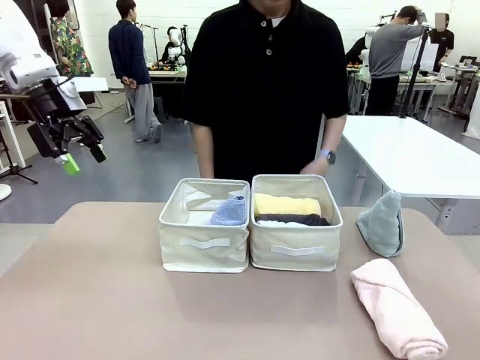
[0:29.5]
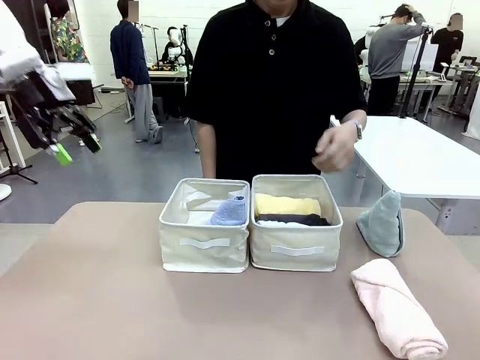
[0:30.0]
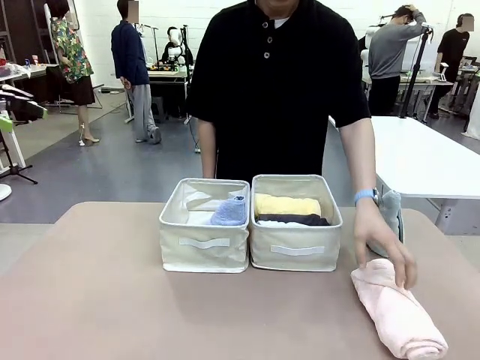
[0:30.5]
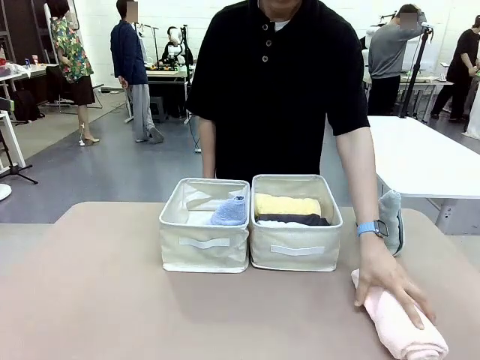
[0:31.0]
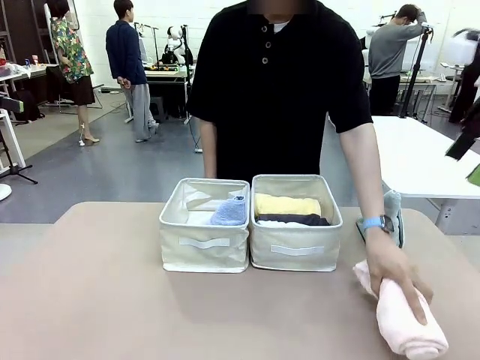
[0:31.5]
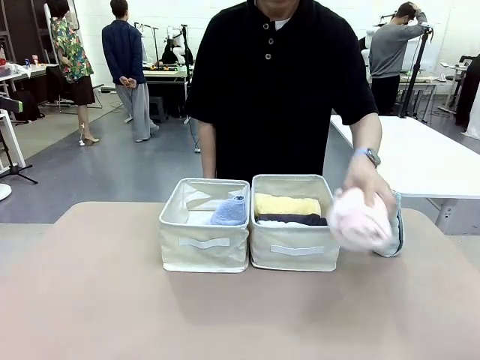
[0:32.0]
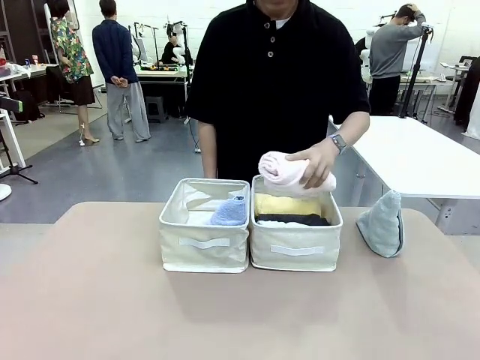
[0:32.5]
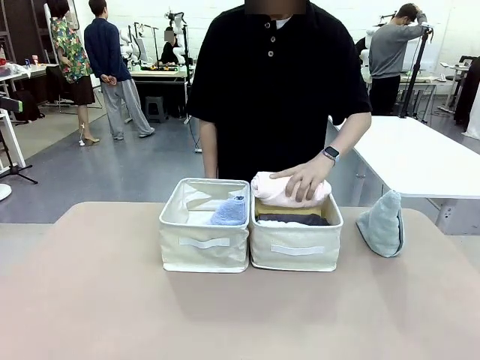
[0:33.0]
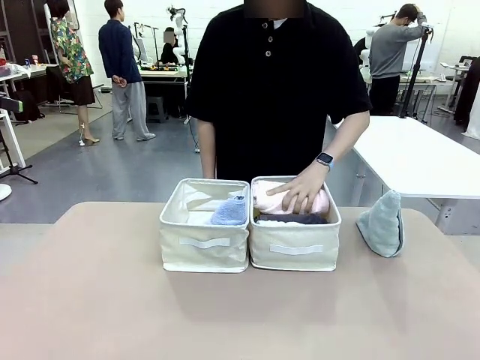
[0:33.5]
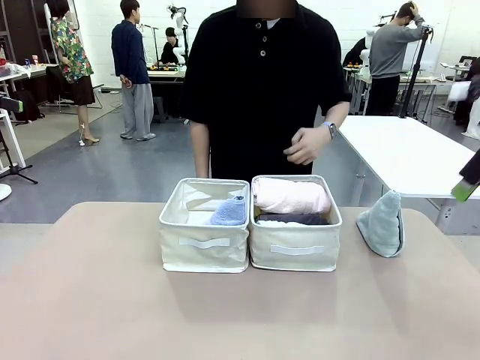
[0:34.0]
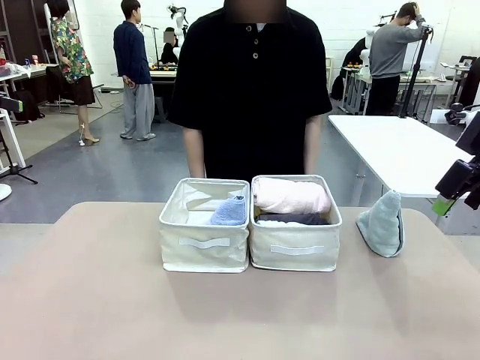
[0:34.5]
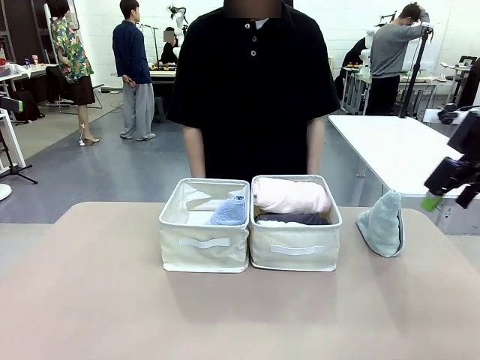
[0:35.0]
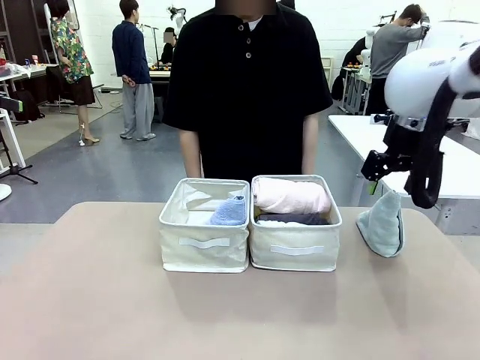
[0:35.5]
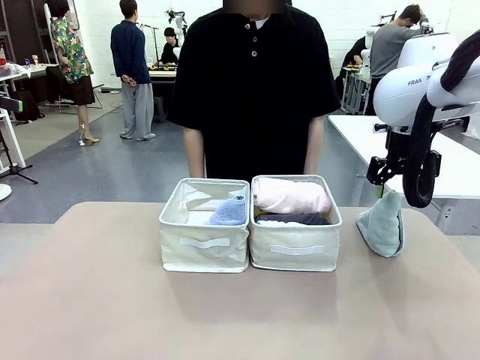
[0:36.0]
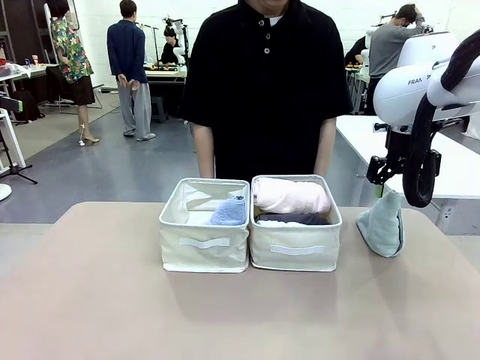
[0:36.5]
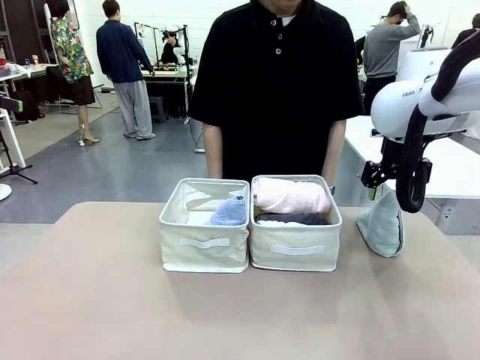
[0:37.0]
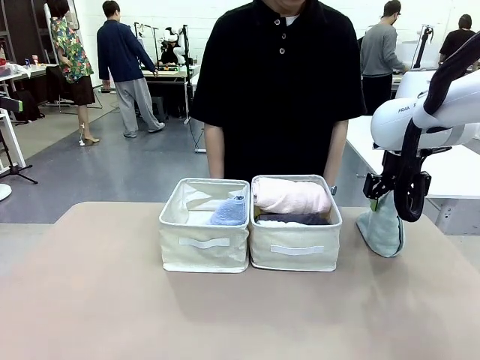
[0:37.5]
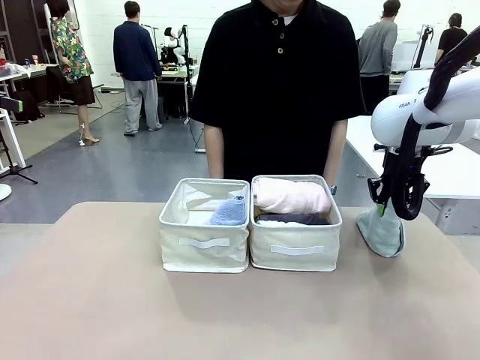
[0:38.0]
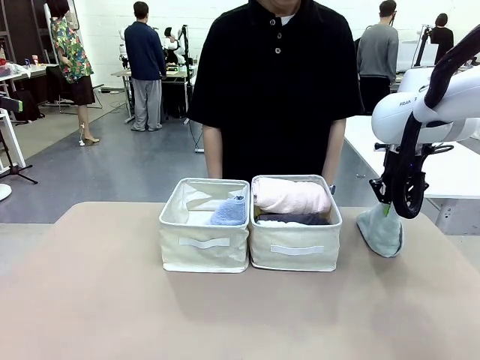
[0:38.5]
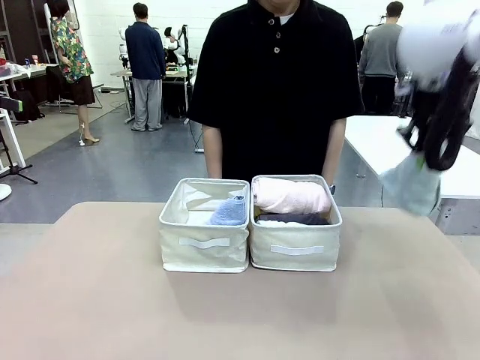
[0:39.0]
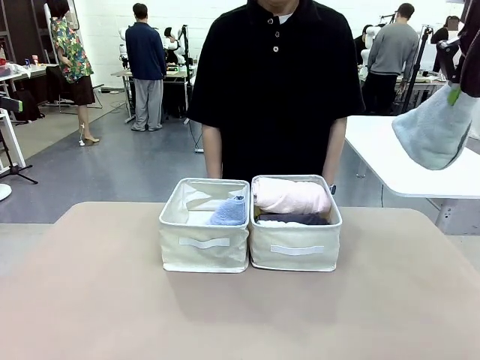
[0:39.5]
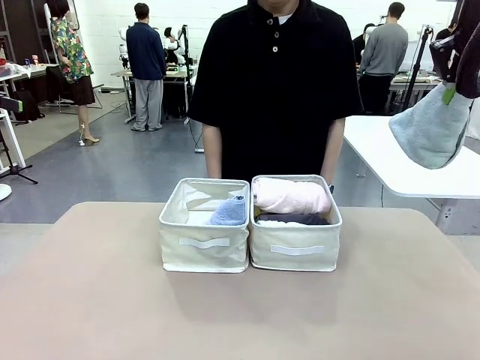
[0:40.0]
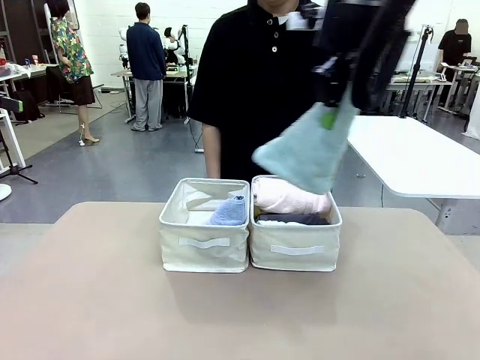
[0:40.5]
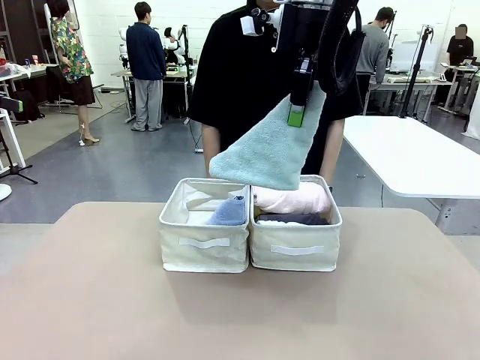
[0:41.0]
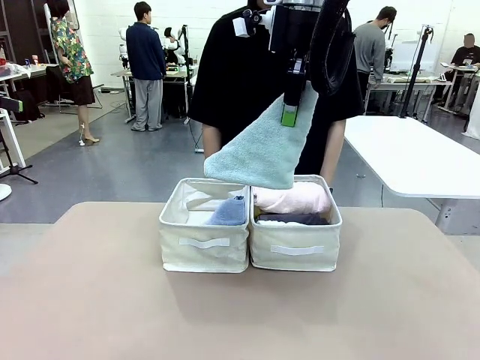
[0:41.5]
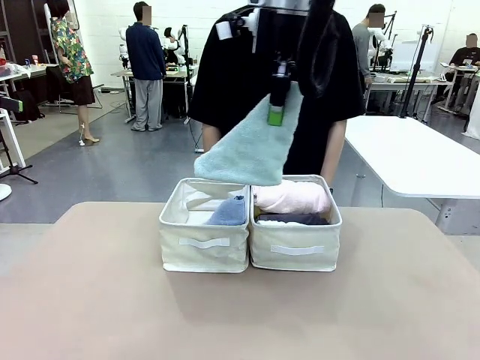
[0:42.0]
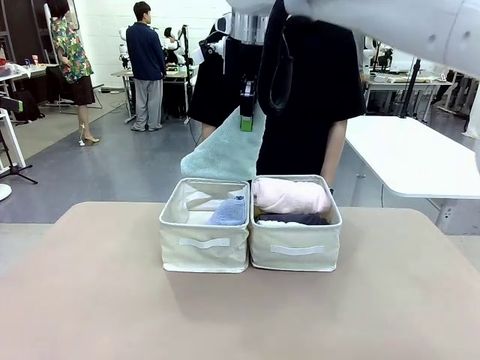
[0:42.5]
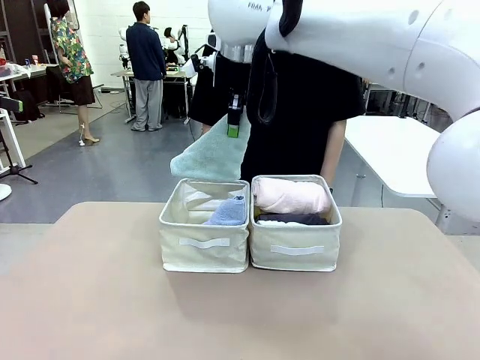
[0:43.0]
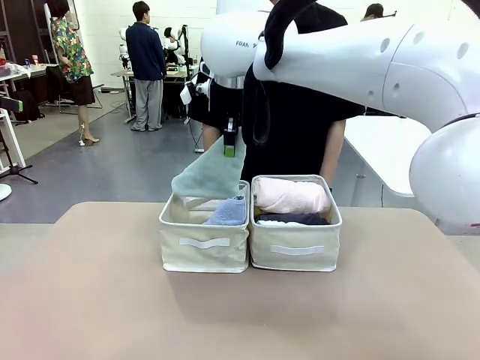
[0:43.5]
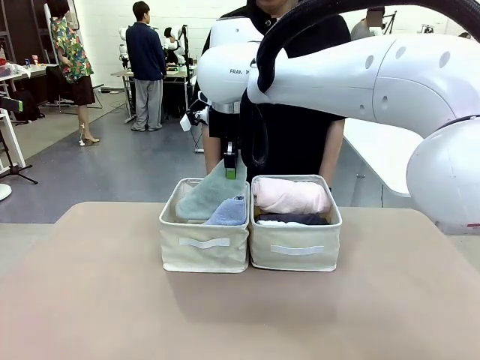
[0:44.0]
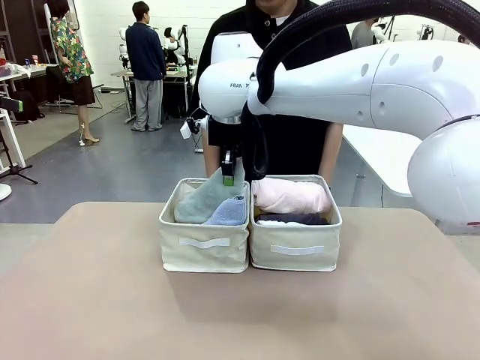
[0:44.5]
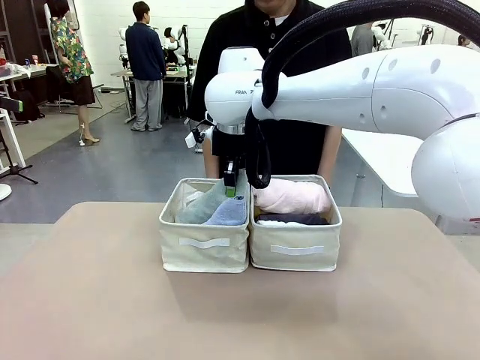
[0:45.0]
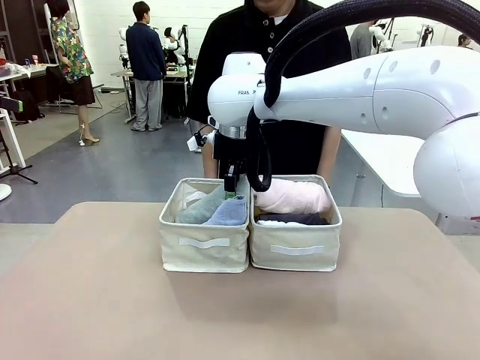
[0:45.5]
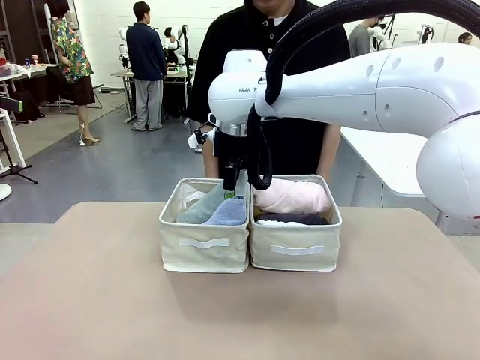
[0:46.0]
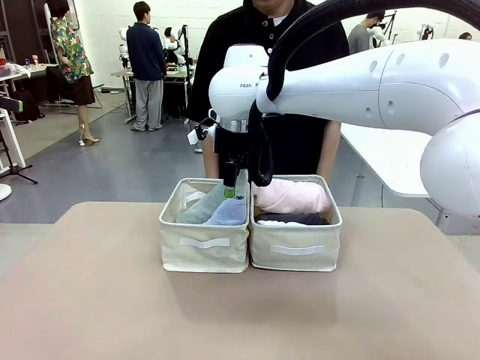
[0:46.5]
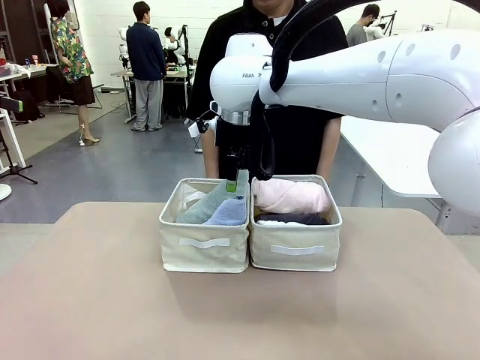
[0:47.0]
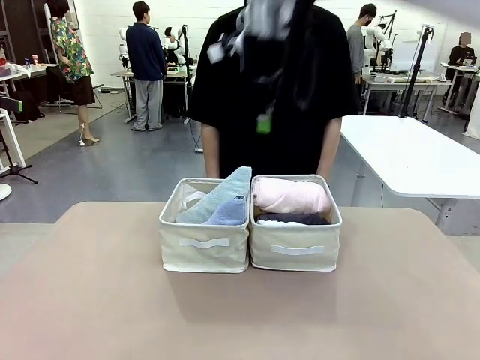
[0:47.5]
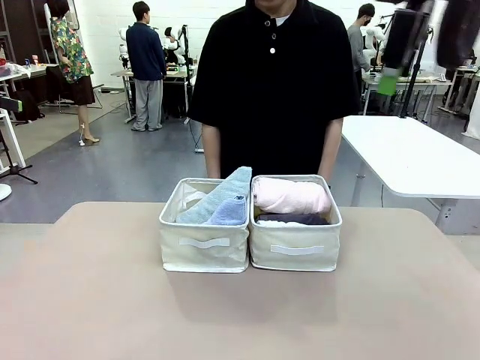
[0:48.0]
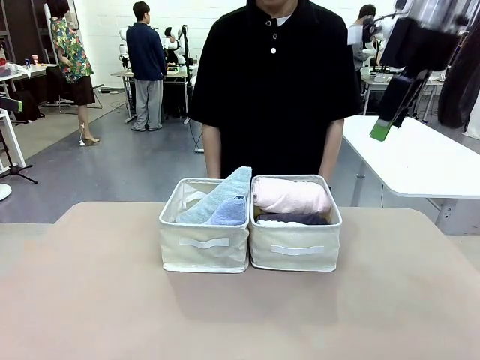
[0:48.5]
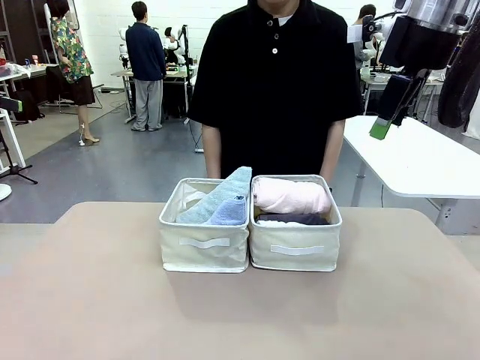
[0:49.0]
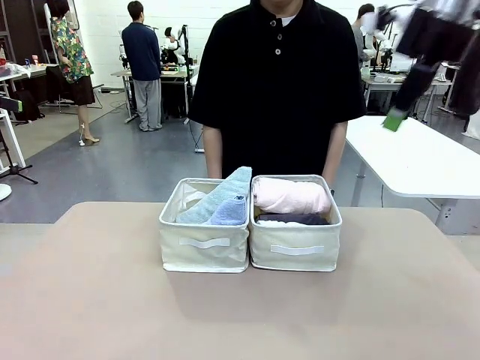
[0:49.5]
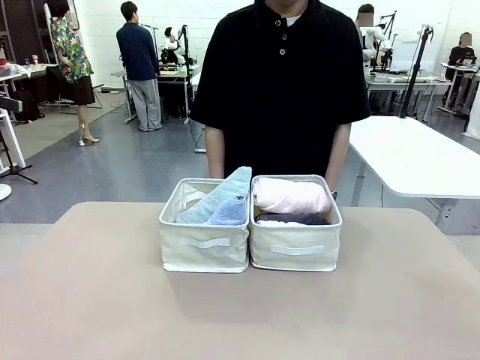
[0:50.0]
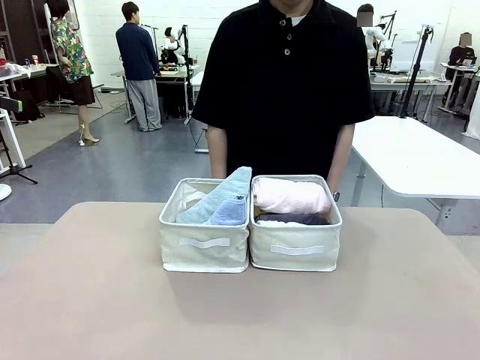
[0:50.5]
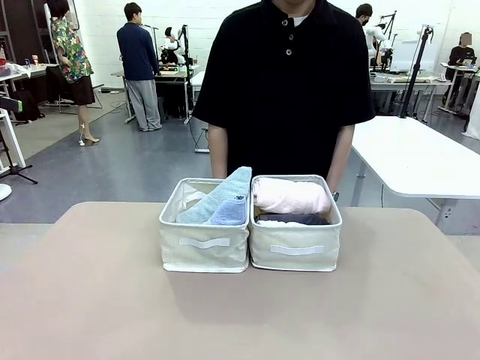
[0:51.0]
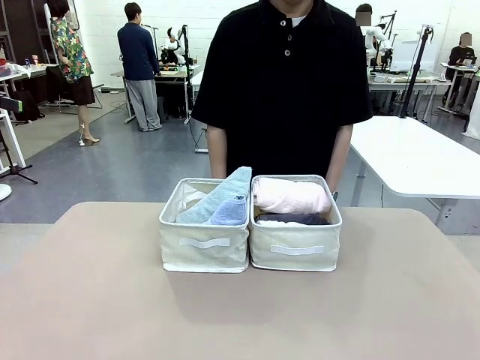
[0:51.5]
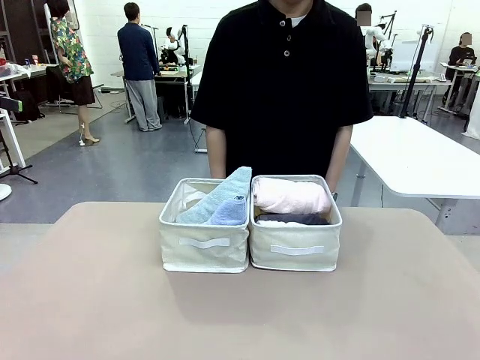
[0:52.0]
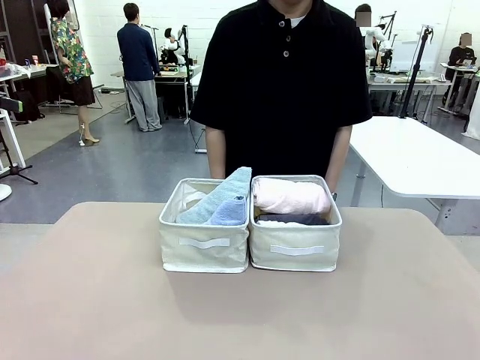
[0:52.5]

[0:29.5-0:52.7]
Task: Sort the towels based on their folding style.
Robot: Pick up another triangle-folded towel from the table and place it in the left Fabric basket.
Person: Pick up one hotel-style rolled towel from the table and place it in the left fabric basket.
